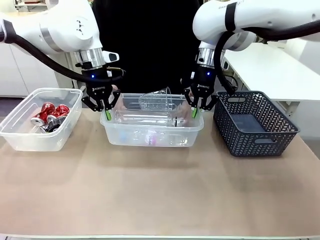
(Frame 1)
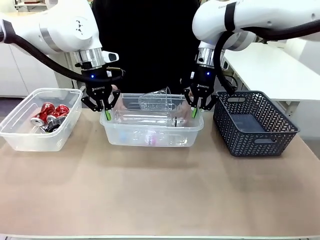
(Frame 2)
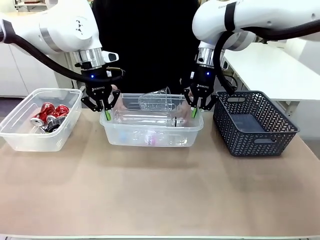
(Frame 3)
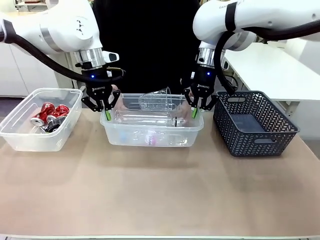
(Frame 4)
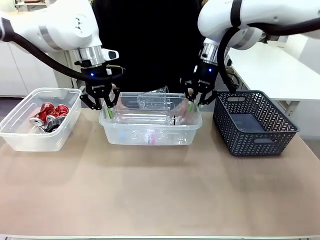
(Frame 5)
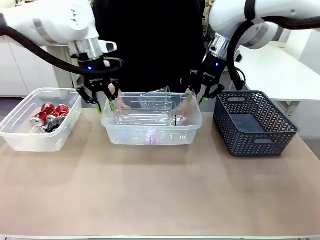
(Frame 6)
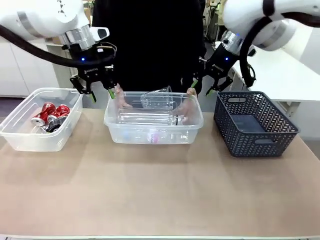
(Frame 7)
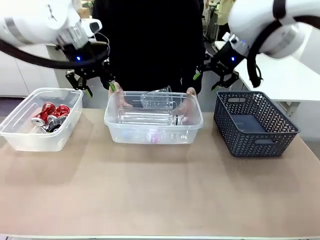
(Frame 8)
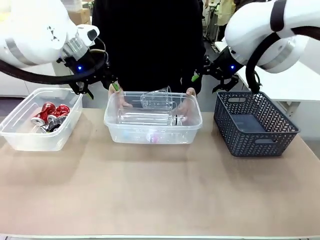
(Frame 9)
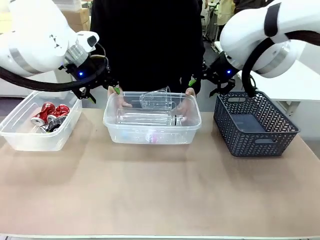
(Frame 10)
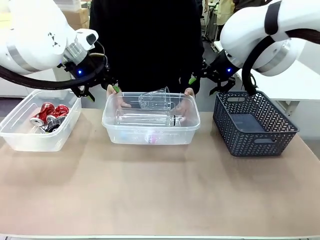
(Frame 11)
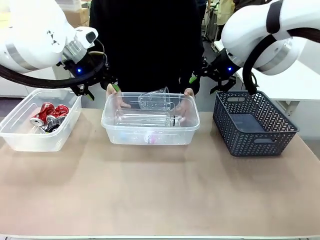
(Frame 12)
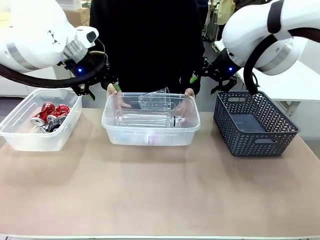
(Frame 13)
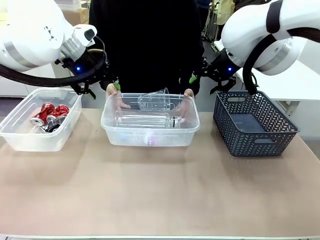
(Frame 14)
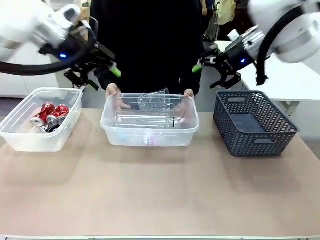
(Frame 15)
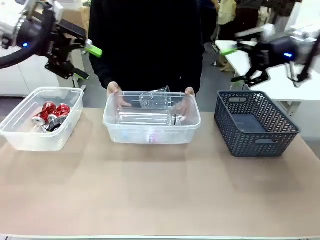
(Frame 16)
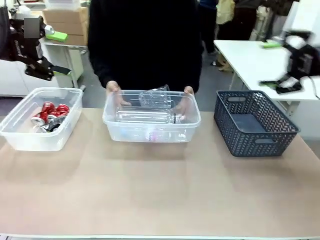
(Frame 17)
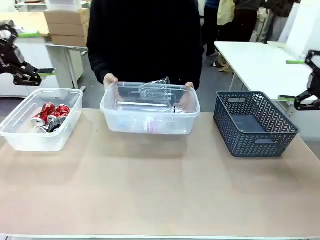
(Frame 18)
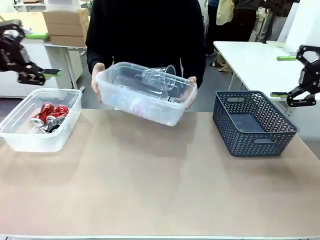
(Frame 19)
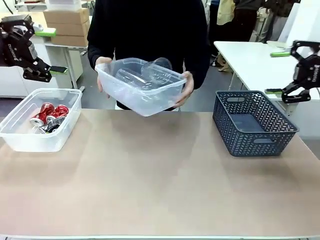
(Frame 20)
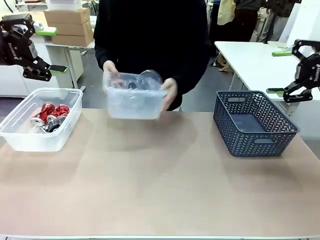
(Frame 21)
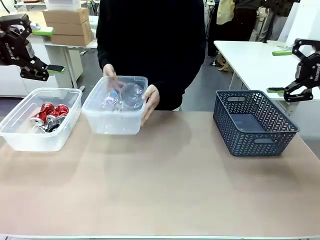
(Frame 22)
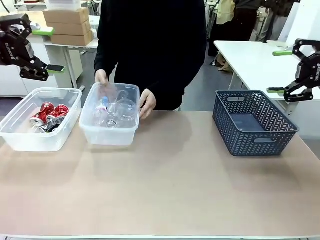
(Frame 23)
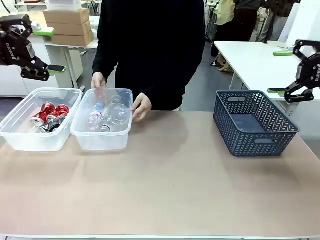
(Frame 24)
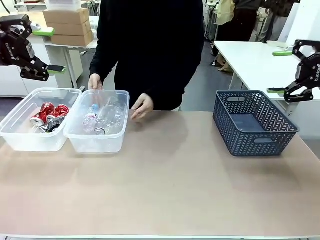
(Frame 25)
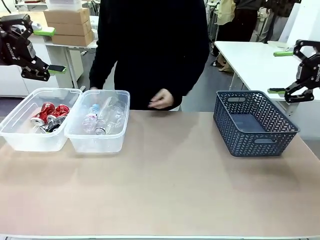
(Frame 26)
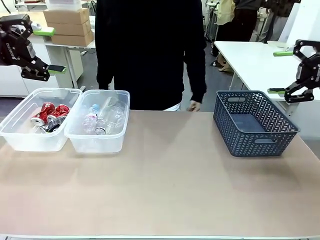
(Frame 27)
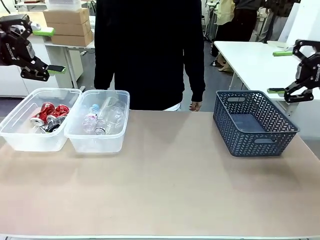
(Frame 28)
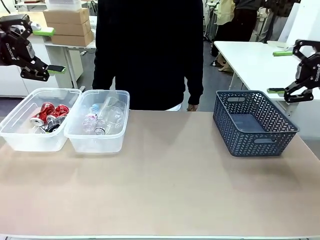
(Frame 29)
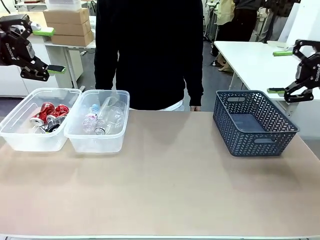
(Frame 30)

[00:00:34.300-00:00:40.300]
Robot: Release the Organizing box you were holding.
Person: Pick up the organizing box extended by the robot. Place the organizing box to the left of the sorting box containing the can waste.
